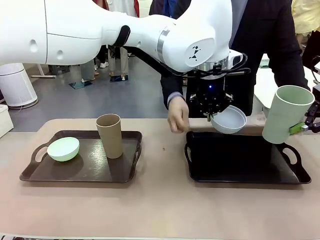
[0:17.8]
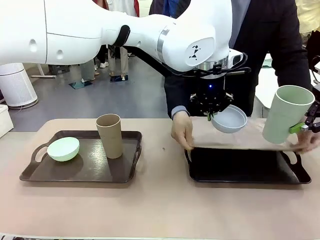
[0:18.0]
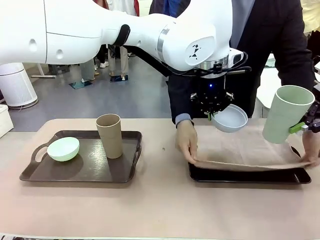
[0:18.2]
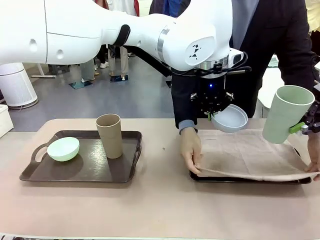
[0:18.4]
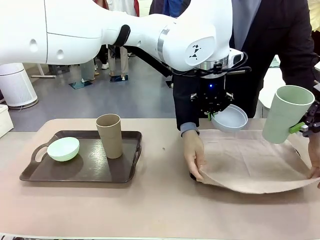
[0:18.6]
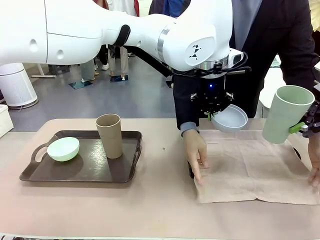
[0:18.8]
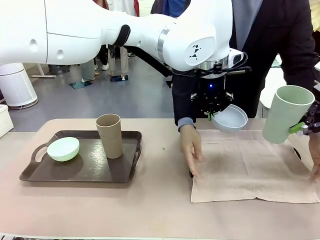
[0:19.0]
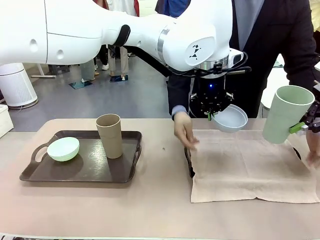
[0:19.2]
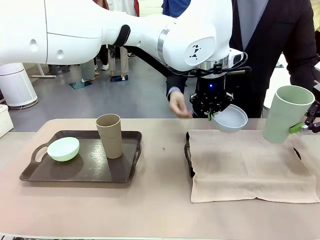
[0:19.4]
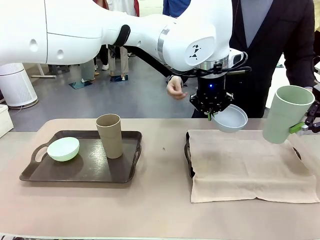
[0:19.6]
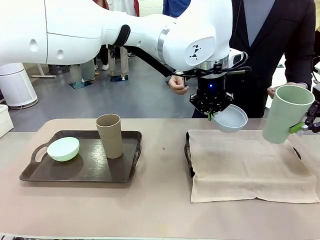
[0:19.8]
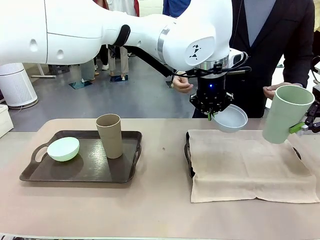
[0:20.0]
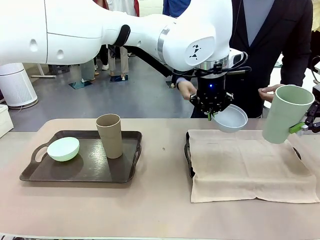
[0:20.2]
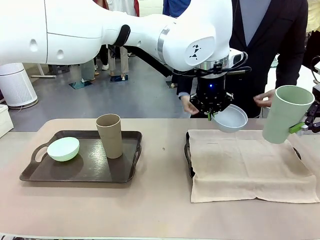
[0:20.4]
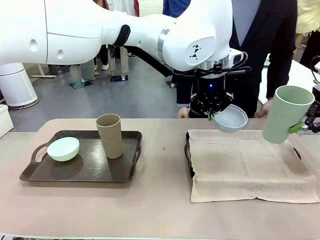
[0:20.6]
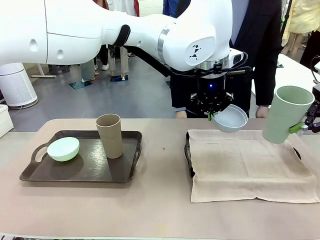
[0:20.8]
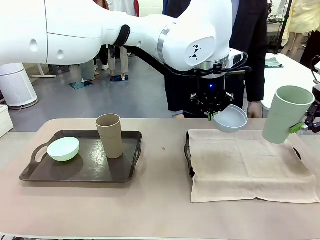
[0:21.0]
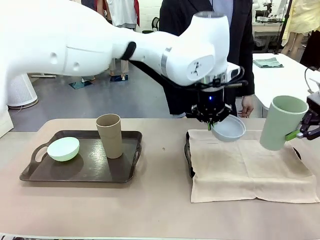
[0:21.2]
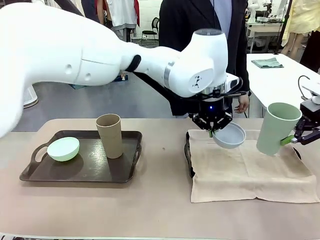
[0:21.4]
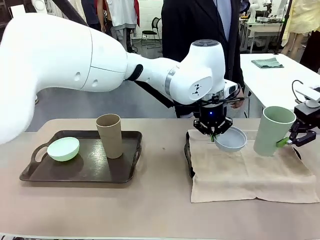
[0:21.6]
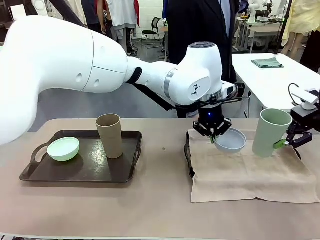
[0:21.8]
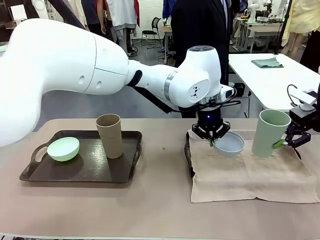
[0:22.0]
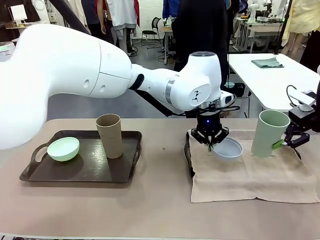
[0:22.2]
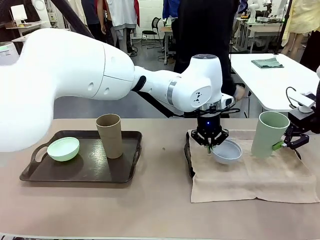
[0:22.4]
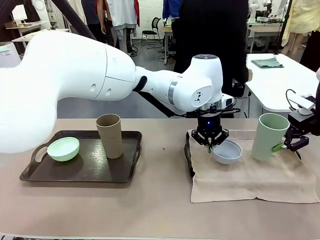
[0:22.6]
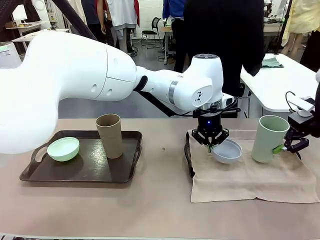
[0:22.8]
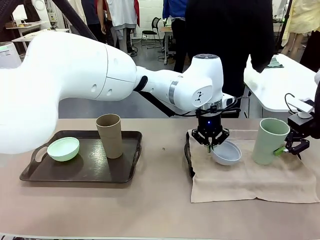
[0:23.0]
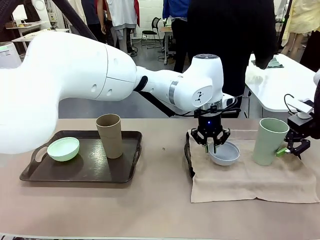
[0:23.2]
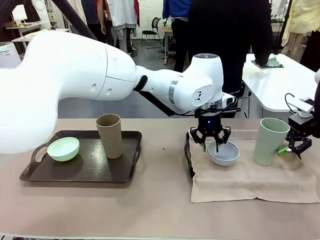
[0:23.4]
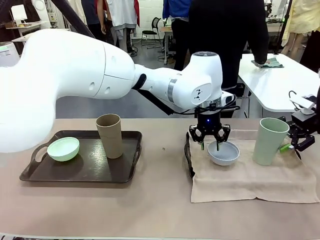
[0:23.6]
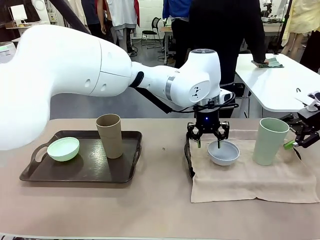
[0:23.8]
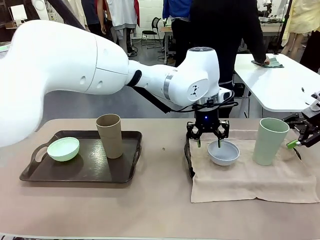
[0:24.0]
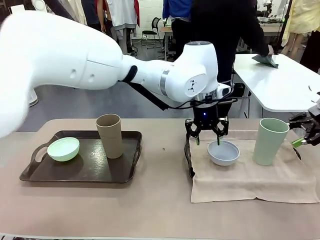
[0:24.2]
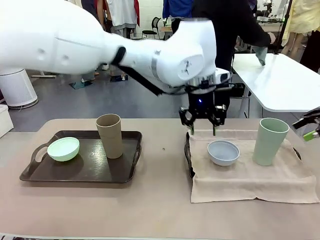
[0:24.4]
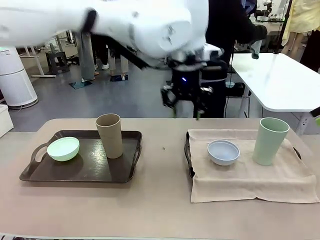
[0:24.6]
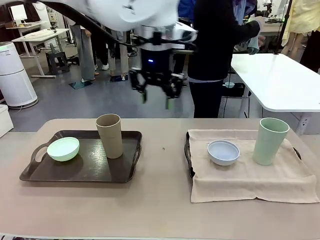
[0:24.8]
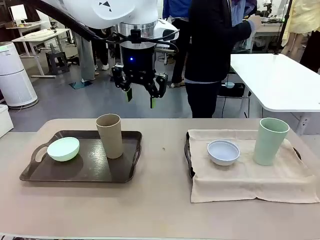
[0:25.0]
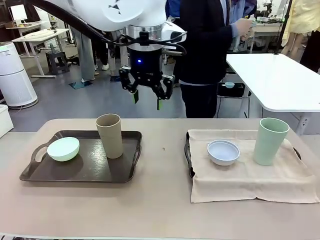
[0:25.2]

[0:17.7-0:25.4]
Robot: Place the Picnic Bowl and Reusable plastic cup back onto the Handle tray in front of the human's position.
Person: The human returns to the human table to pick up another napkin and walks to the robot table to stand in front of the tray without a napkin.

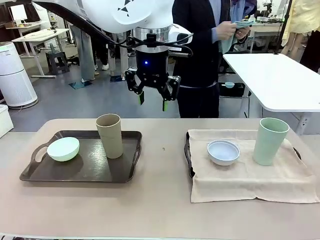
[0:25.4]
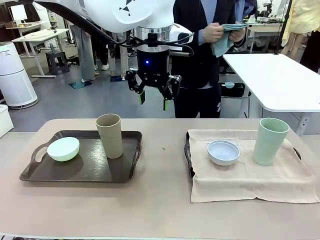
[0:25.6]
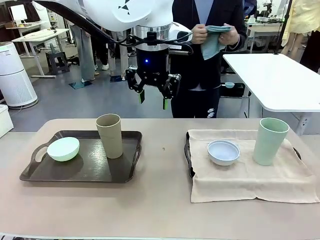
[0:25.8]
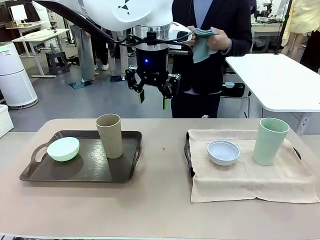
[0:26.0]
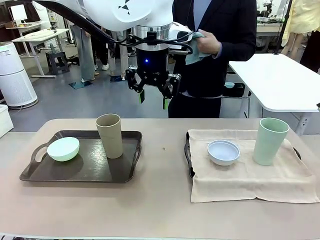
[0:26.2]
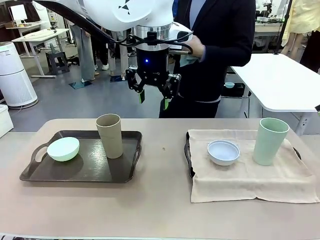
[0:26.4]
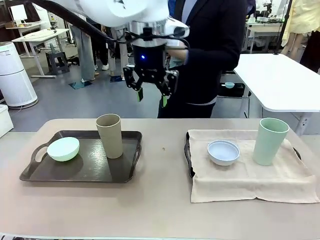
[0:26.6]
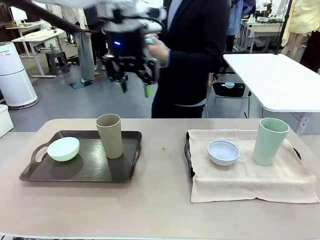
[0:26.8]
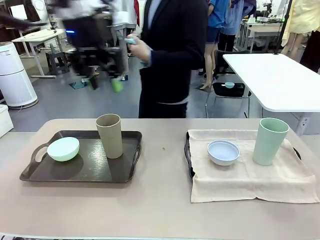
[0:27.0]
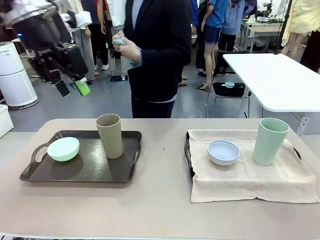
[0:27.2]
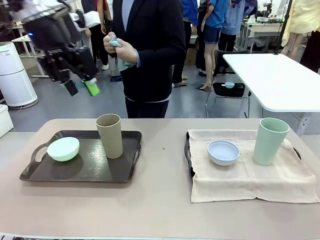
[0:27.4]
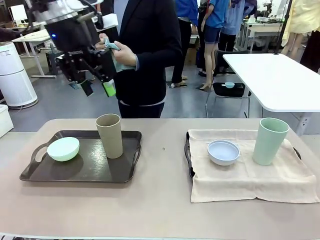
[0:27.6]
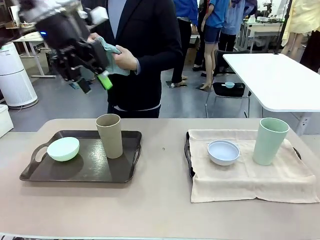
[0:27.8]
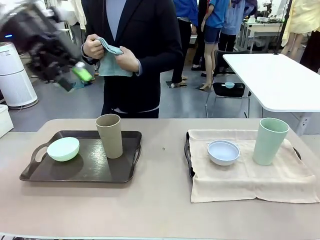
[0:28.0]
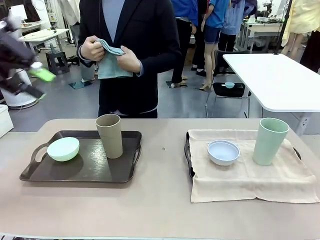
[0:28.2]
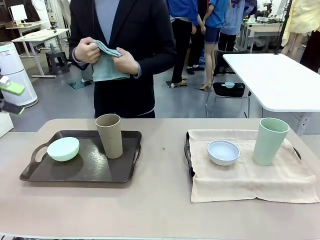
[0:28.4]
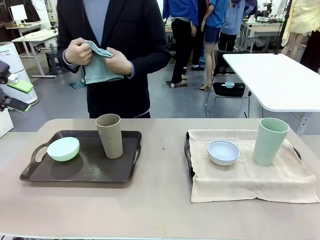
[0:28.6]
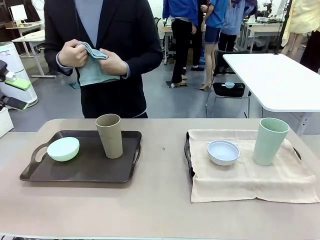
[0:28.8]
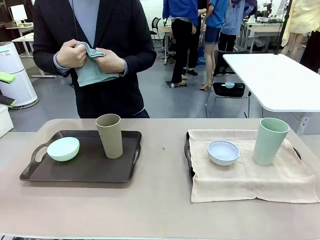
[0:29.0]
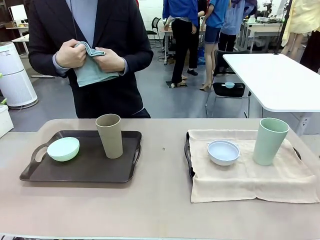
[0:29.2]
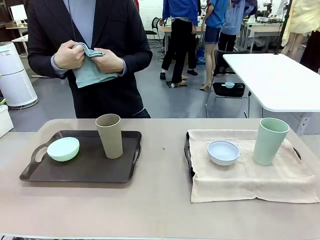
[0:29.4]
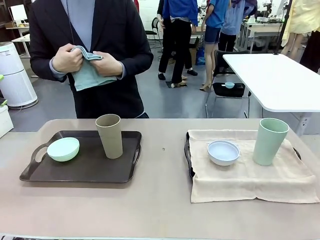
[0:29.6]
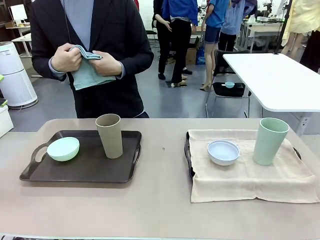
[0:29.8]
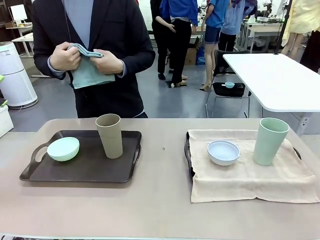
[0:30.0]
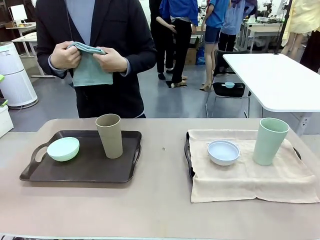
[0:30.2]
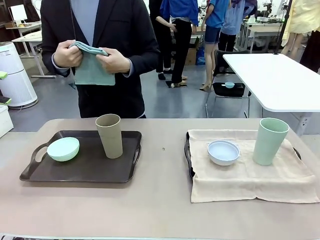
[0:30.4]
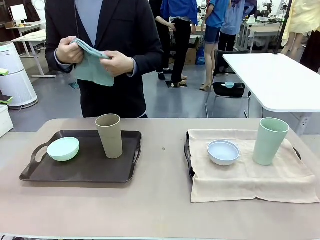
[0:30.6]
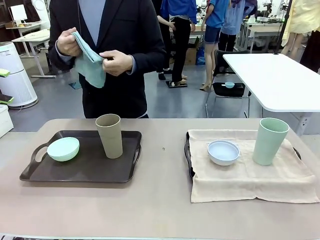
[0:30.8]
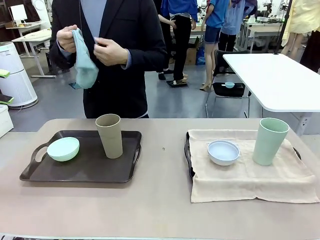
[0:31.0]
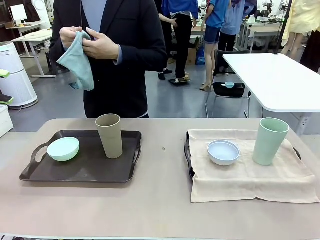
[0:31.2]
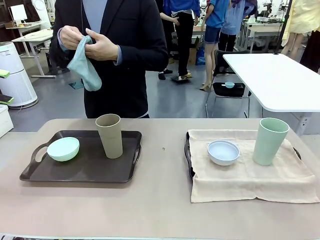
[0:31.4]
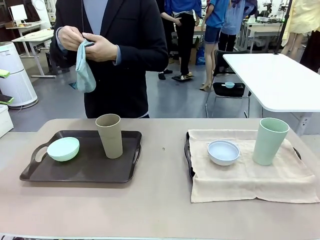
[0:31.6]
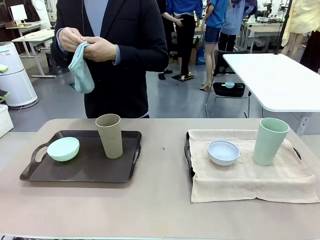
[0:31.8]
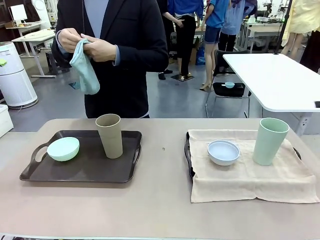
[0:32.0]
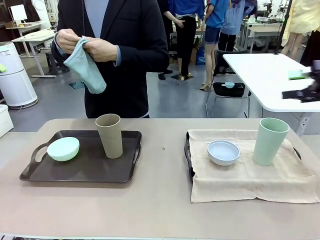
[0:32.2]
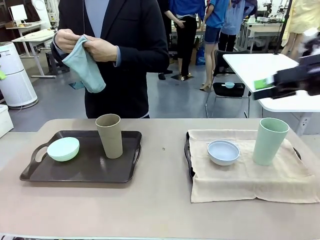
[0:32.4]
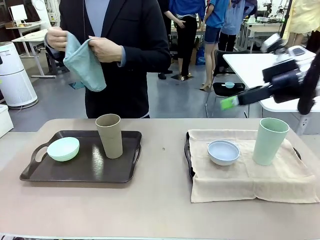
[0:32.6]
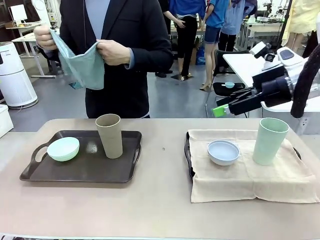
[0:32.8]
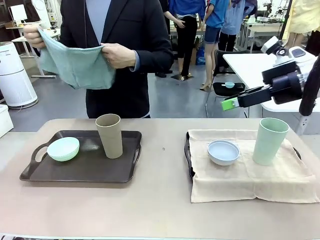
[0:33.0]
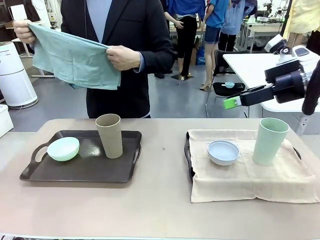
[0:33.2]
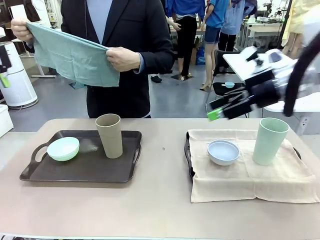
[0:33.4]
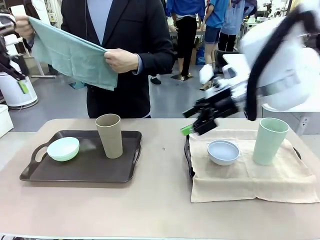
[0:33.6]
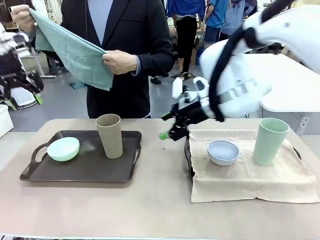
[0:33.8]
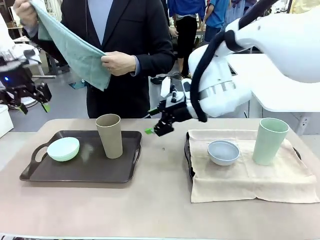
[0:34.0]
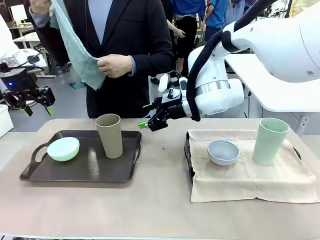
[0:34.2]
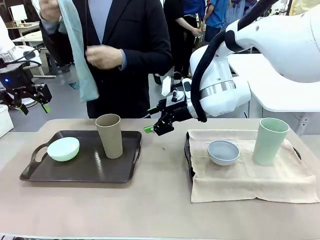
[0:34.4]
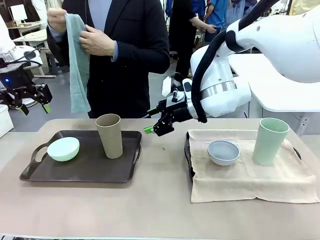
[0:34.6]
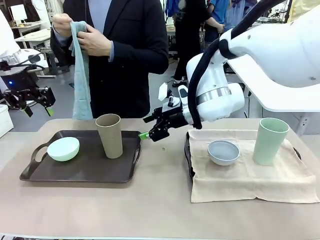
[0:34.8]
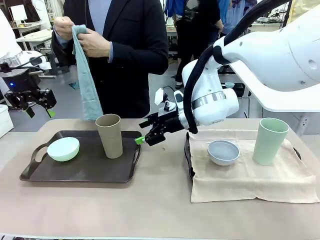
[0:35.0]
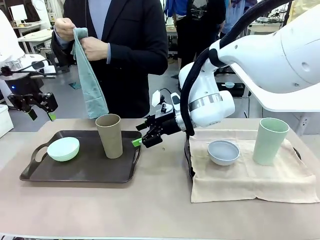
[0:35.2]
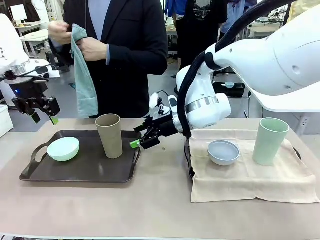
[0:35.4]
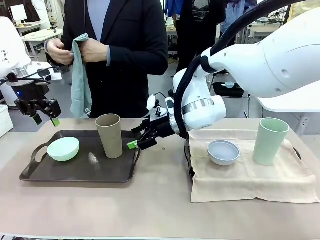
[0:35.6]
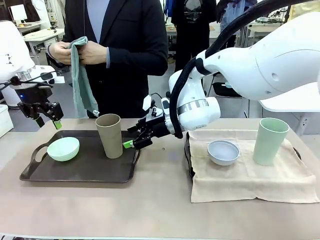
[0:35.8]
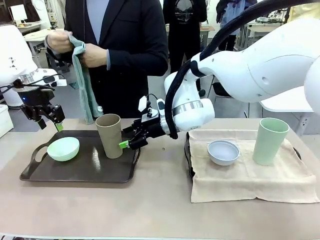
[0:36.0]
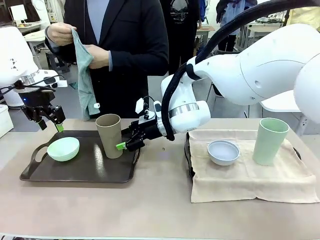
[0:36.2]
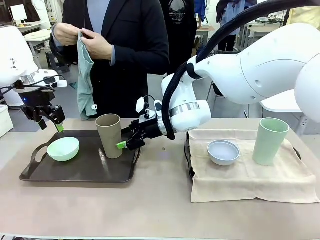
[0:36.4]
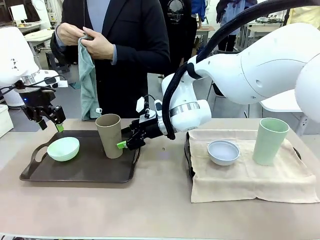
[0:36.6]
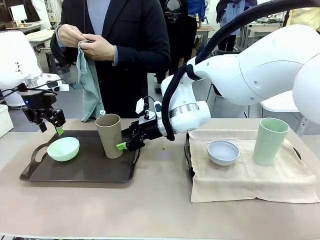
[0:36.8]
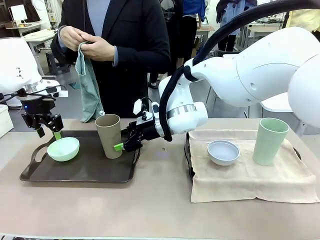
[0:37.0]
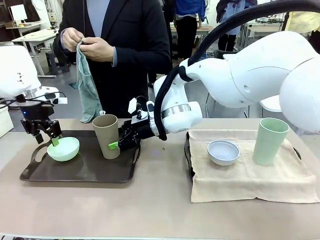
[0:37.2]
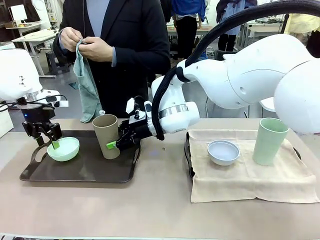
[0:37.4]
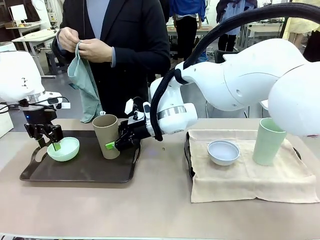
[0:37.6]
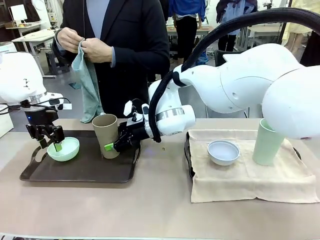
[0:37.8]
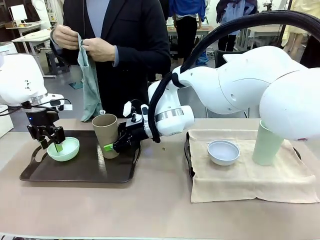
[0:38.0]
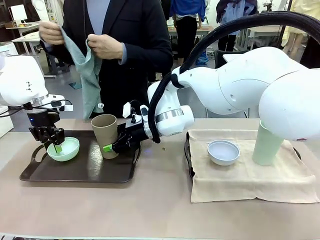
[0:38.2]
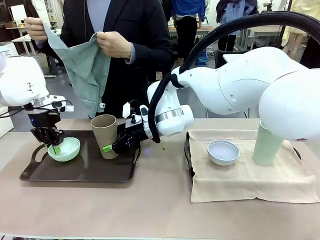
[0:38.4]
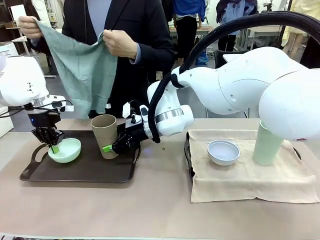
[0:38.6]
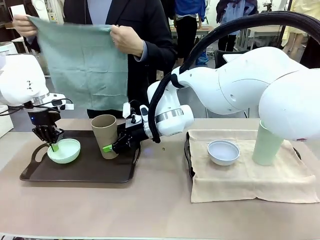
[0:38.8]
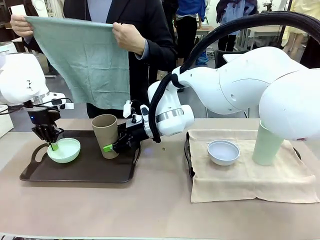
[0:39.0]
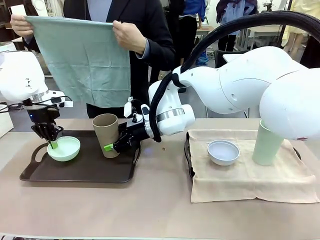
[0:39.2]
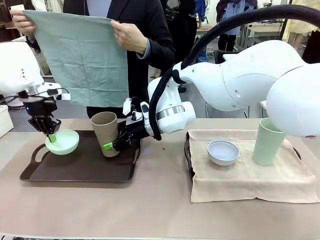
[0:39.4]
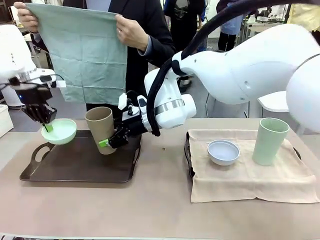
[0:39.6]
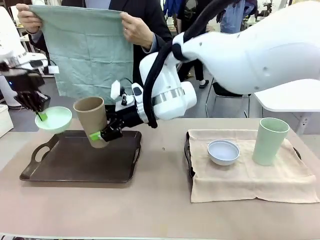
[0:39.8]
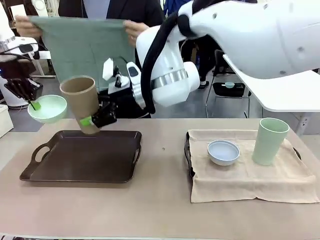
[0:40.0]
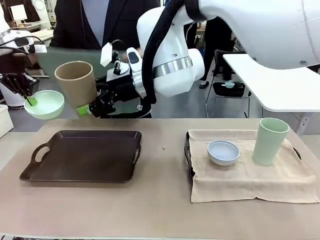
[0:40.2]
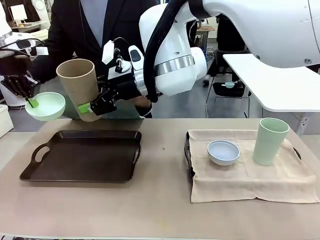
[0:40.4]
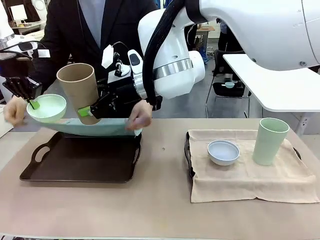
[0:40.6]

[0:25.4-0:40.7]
Robot: Pick up the Picnic Bowl and Reusable plastic cup from the Handle tray in front of the human's position and hold them in the air.
Person: When the robot lifts the bowl and the cup, the human unfolds the napkin and lays the napkin flat on the tray.
